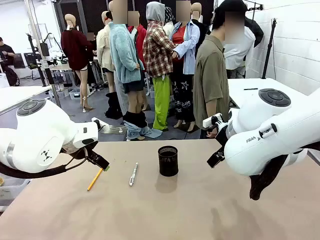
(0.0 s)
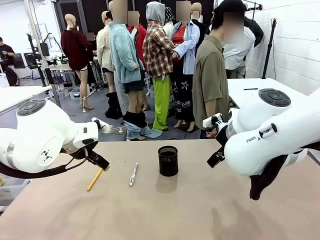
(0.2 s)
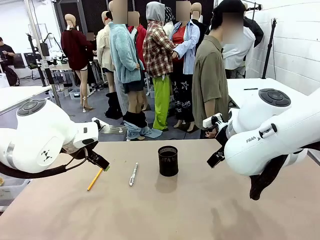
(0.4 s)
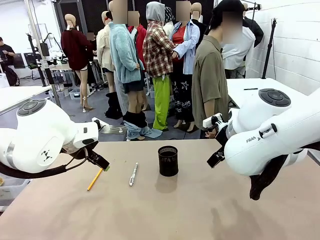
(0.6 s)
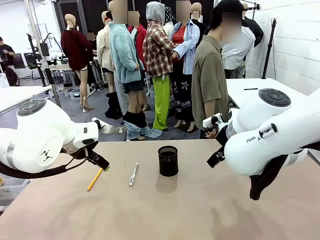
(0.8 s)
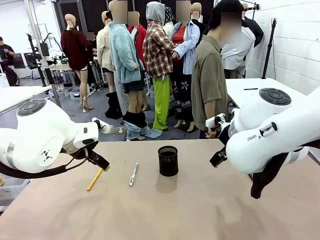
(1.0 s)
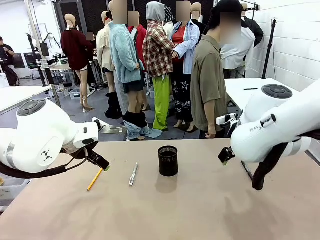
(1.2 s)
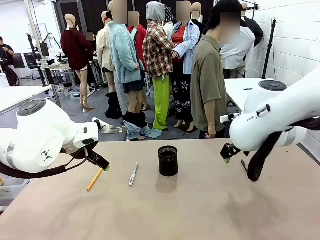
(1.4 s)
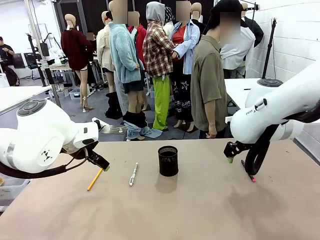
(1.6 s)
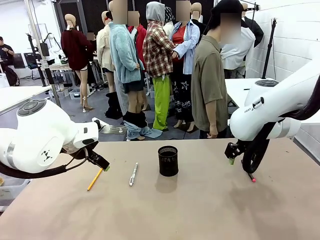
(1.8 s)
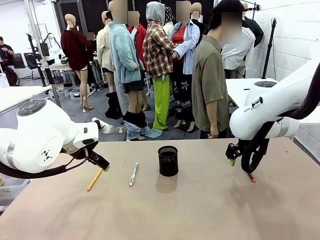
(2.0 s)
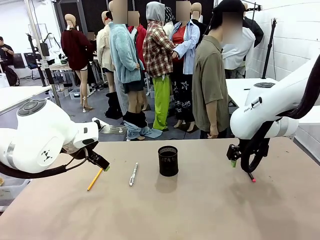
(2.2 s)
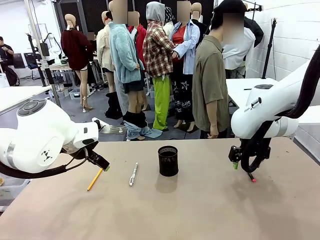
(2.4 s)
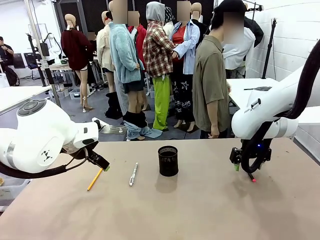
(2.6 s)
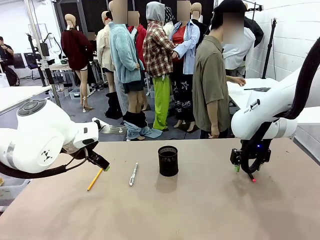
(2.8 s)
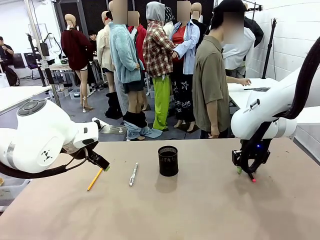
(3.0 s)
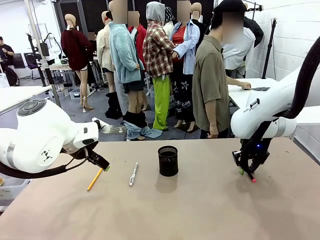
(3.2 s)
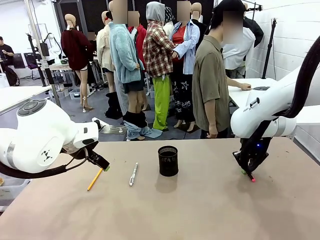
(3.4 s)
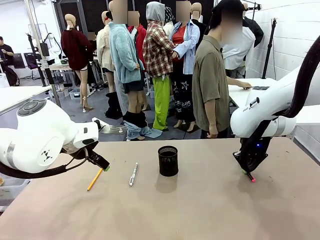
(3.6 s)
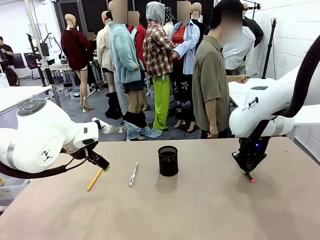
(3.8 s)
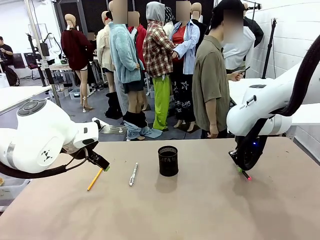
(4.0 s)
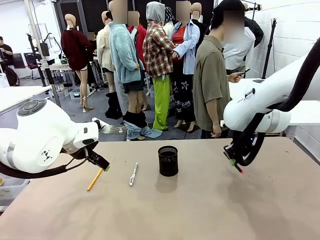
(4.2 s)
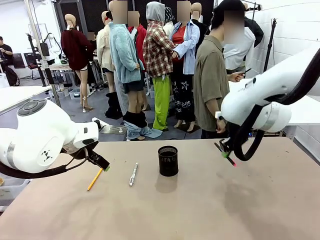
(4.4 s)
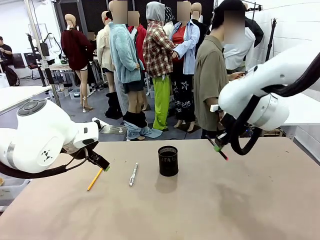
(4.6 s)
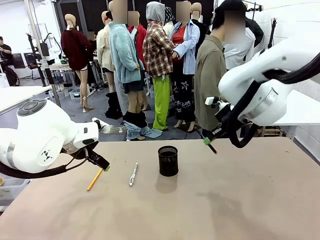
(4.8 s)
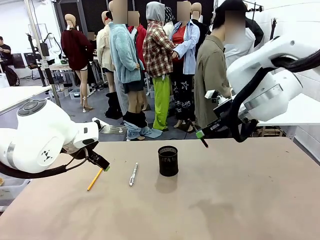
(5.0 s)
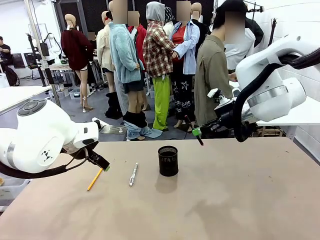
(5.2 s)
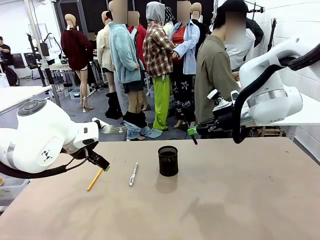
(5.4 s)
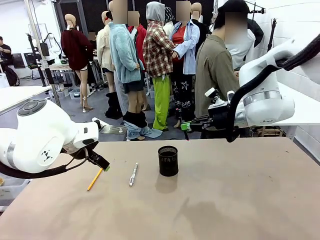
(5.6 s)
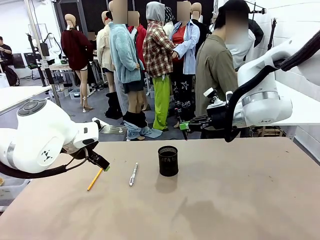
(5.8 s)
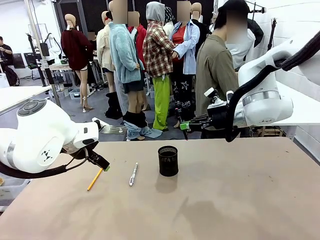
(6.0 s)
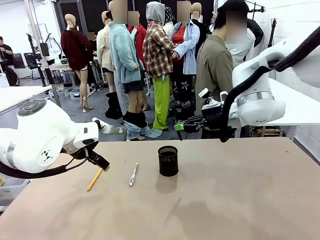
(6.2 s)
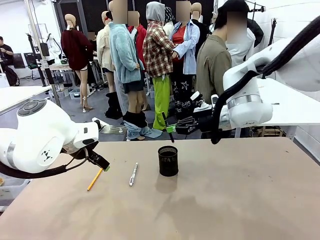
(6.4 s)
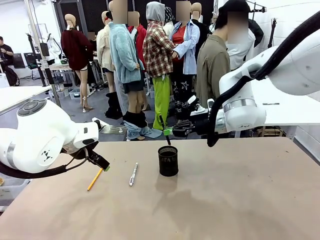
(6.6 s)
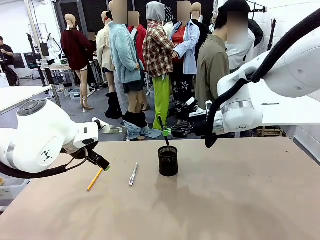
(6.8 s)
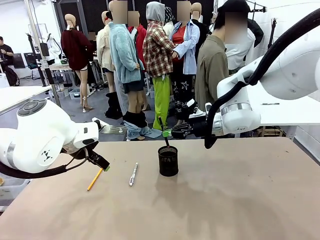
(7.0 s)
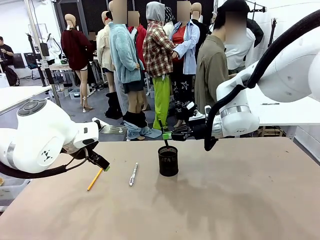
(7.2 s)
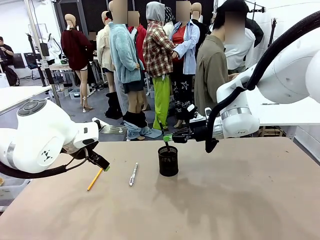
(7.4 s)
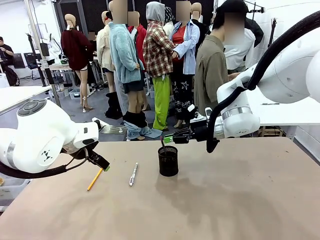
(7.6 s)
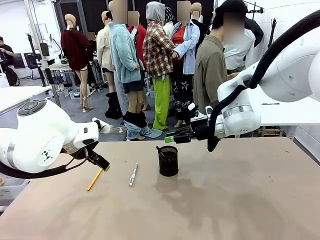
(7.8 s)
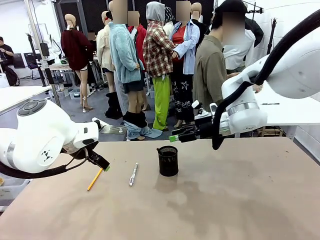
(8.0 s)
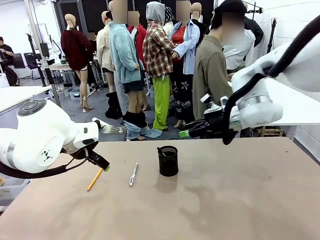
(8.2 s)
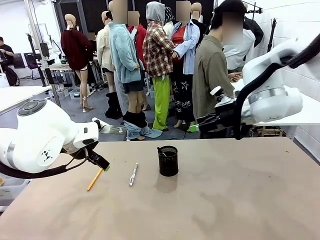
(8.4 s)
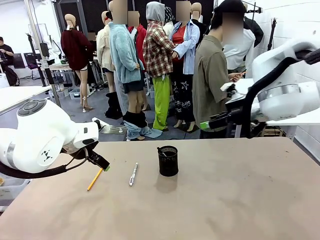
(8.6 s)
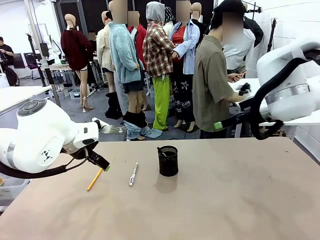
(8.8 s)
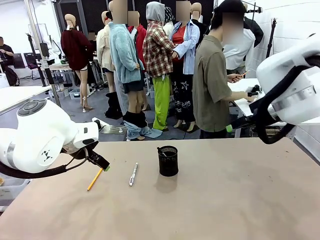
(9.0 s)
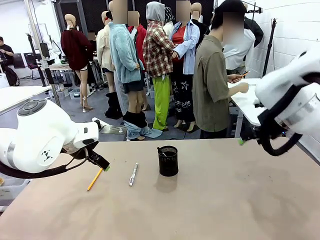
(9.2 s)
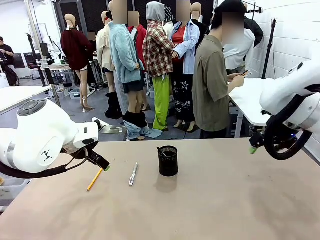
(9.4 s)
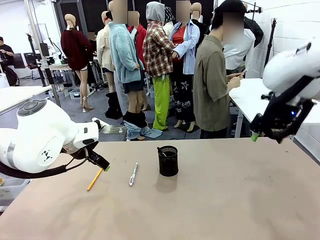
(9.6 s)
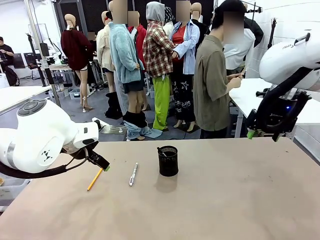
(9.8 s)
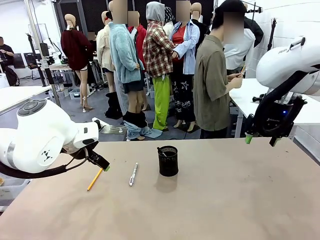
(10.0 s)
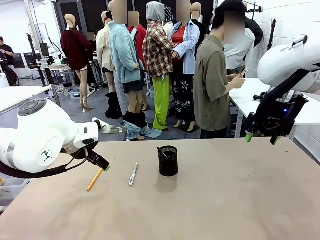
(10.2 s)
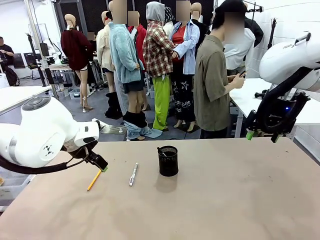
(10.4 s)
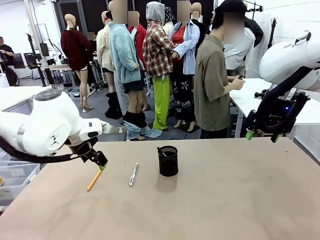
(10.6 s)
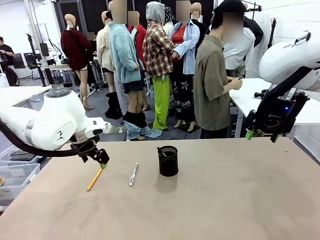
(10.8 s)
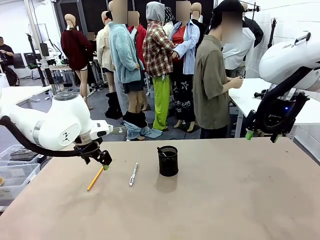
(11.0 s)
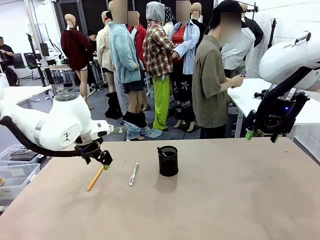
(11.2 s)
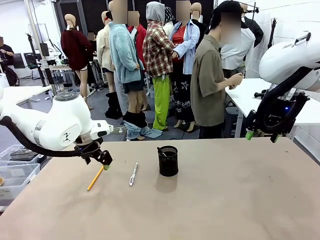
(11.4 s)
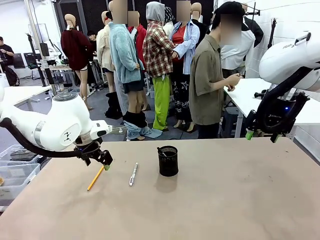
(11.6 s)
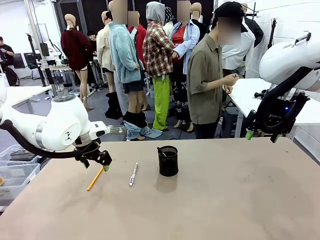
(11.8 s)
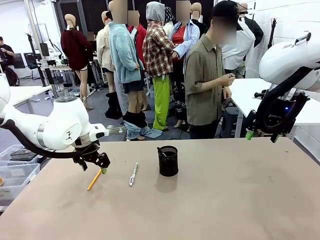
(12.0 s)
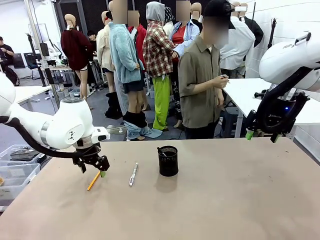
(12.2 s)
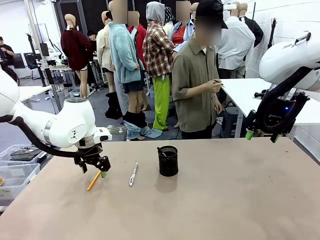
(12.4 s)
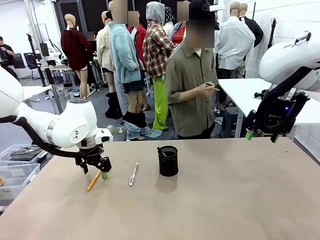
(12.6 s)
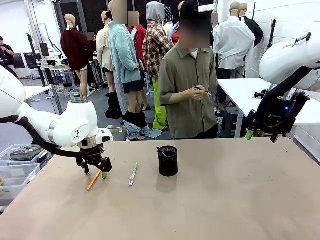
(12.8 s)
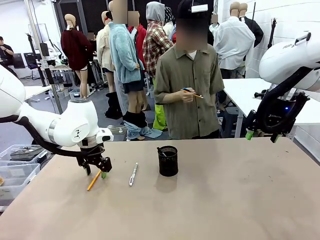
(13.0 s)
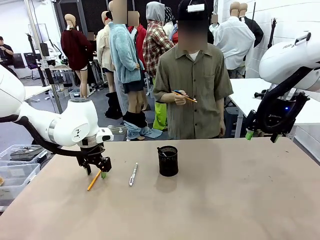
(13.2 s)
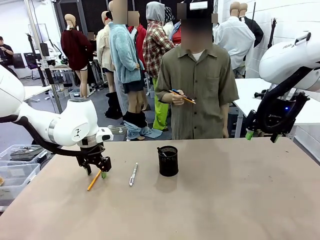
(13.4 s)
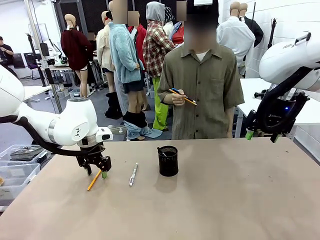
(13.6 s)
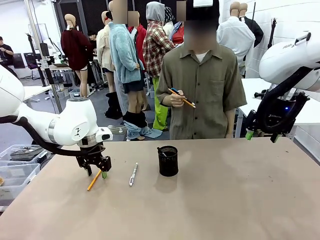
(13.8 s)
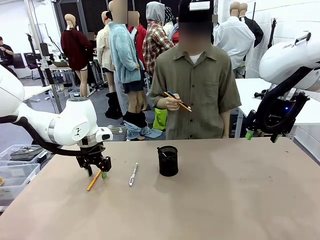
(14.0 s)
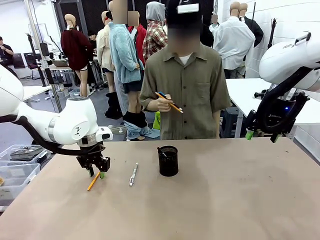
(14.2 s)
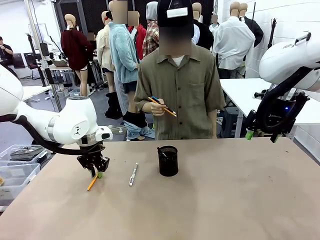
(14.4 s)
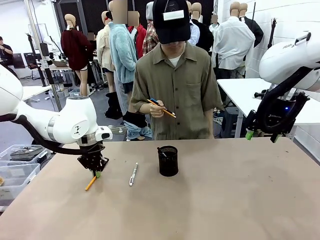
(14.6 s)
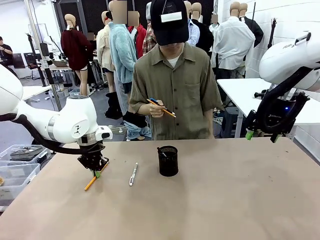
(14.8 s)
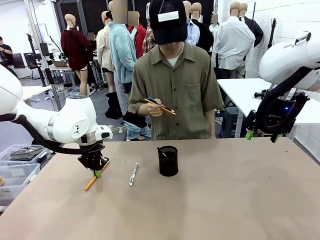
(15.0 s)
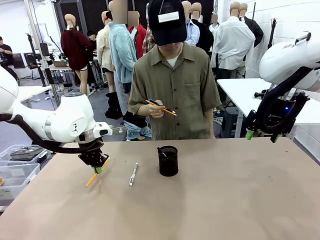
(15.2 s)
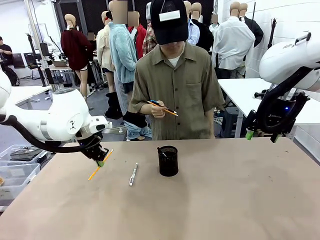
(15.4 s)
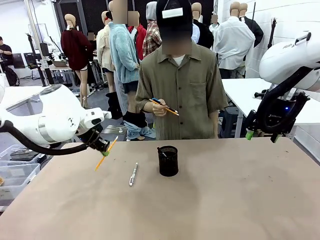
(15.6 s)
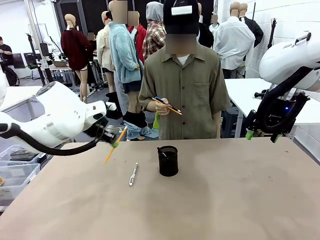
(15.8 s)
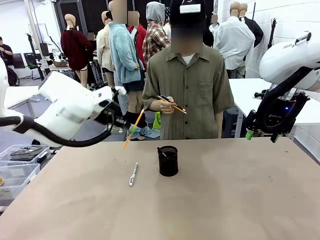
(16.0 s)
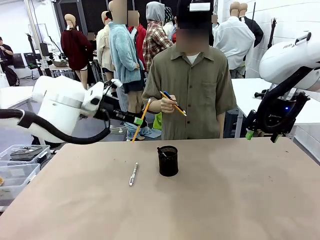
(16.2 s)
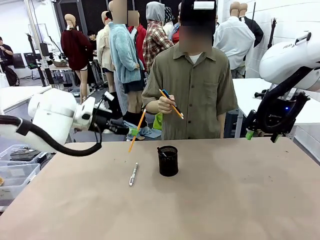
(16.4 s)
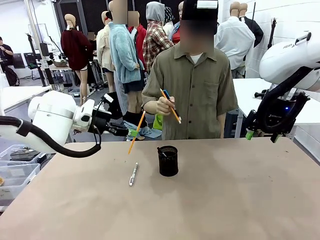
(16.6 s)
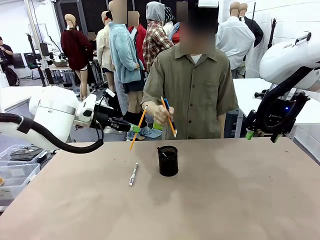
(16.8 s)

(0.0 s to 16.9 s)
Task: Place the pens into the pen holder.
Robot: Pick up a writing instrument from the table and place it into the Pen holder.
Person: Pick up all writing instruments from the Human table.
